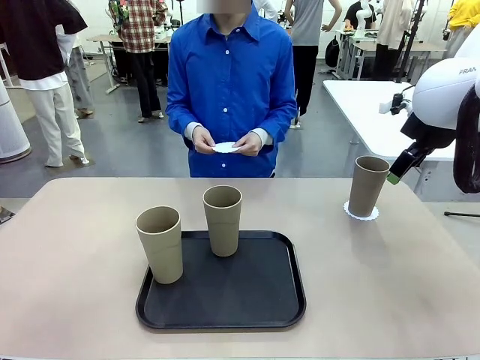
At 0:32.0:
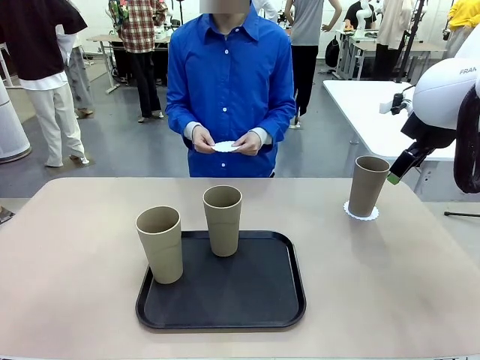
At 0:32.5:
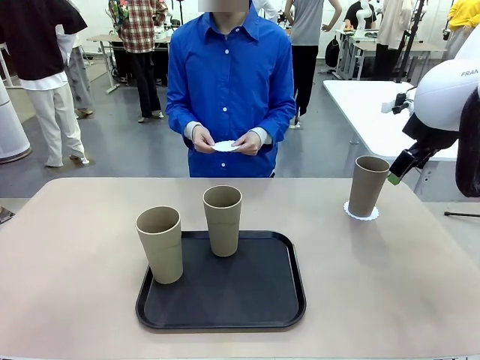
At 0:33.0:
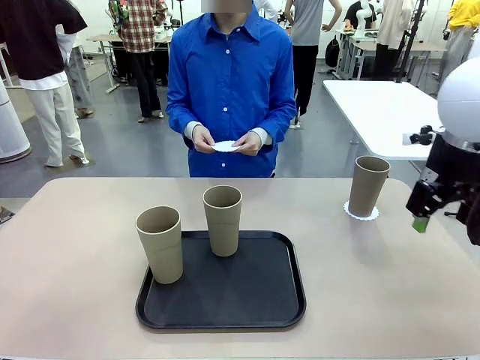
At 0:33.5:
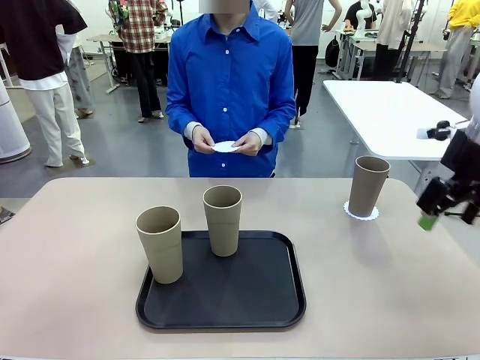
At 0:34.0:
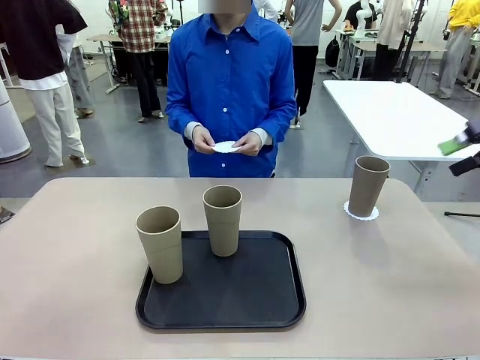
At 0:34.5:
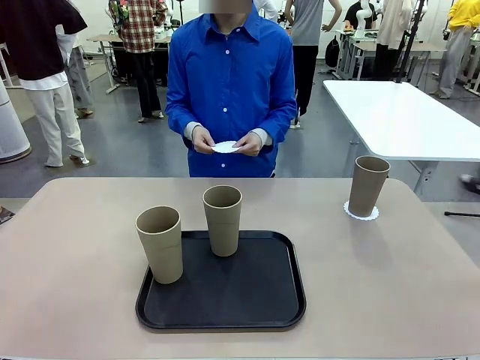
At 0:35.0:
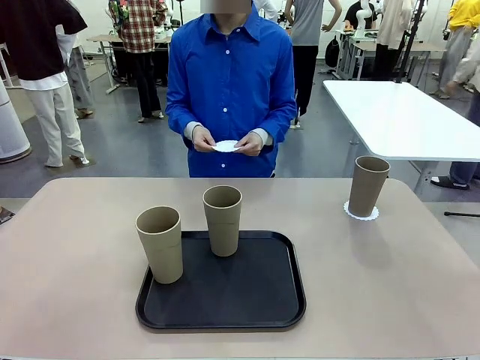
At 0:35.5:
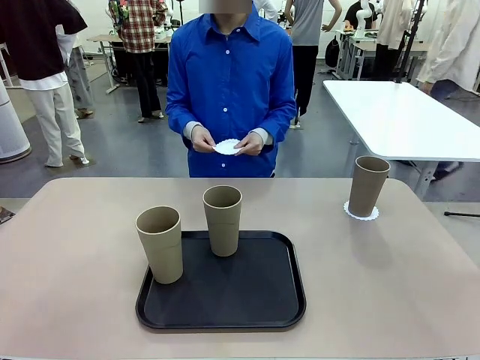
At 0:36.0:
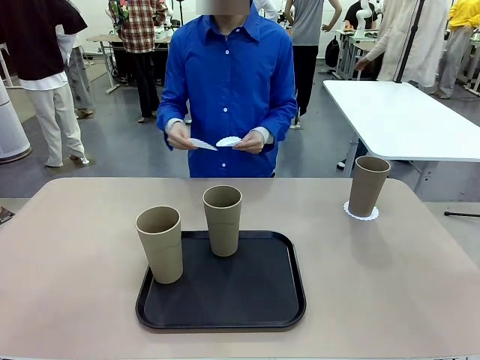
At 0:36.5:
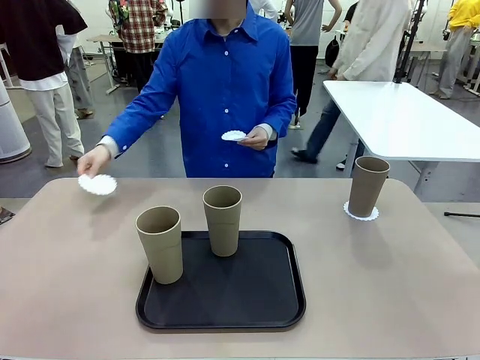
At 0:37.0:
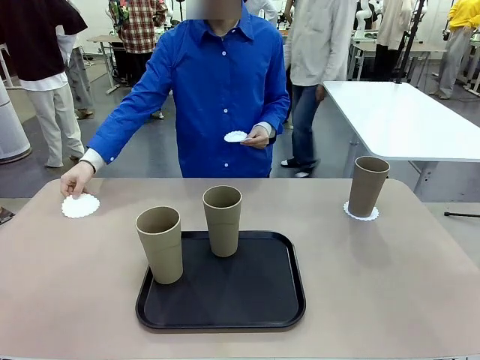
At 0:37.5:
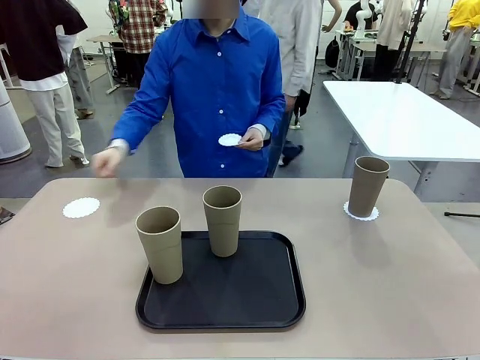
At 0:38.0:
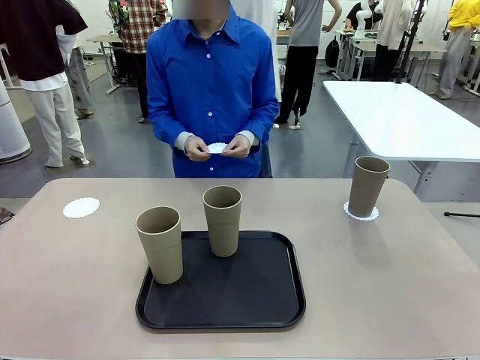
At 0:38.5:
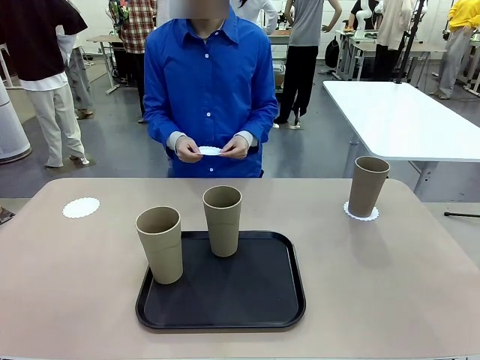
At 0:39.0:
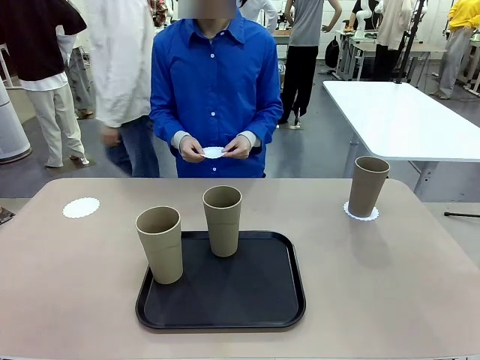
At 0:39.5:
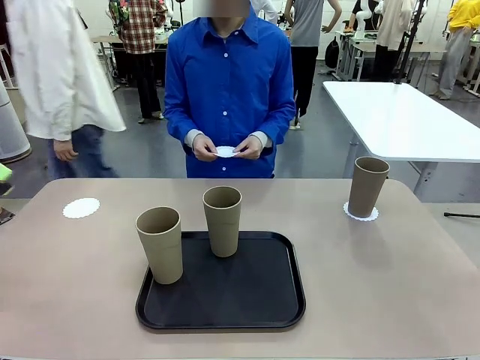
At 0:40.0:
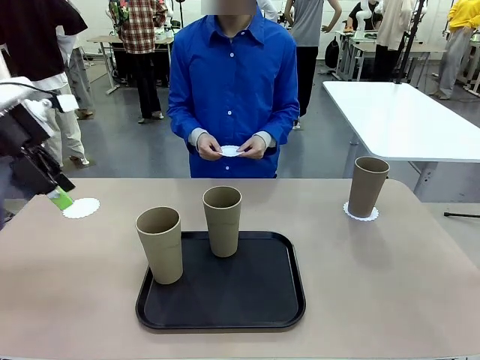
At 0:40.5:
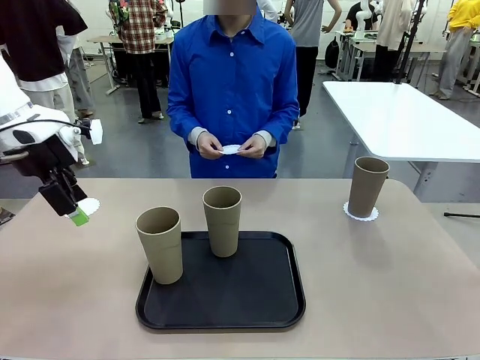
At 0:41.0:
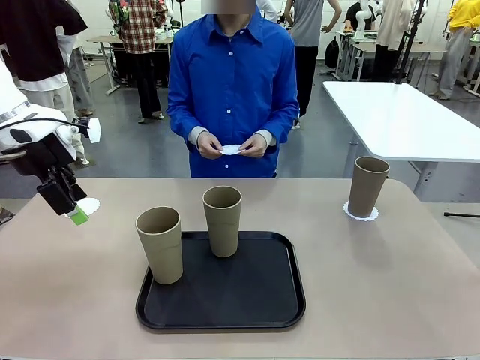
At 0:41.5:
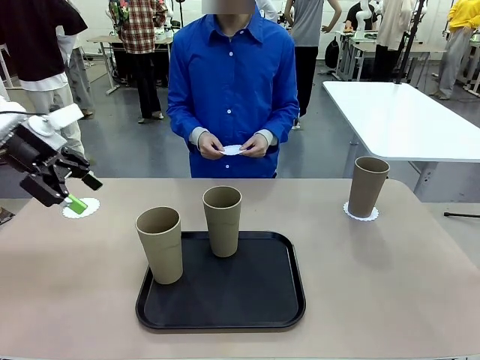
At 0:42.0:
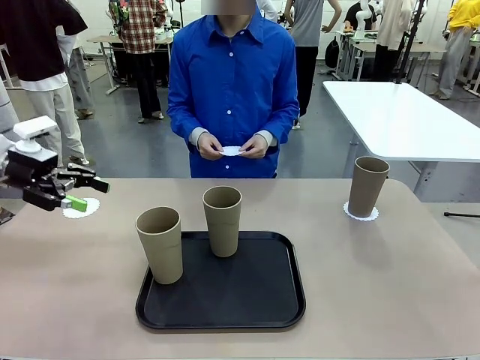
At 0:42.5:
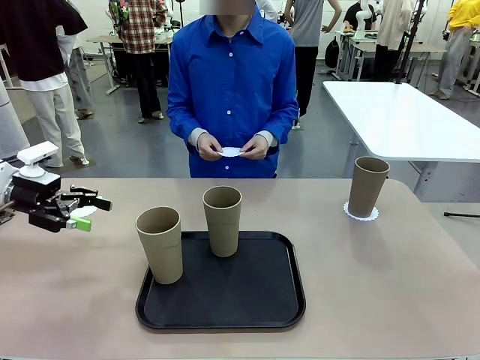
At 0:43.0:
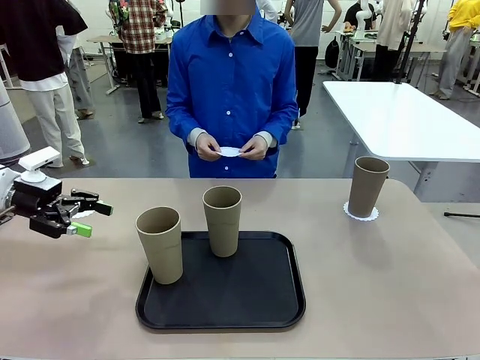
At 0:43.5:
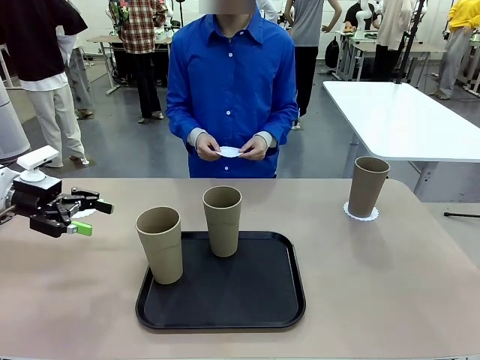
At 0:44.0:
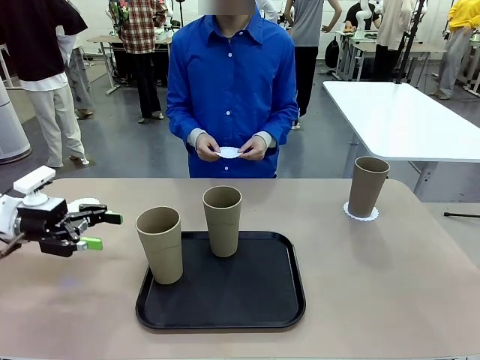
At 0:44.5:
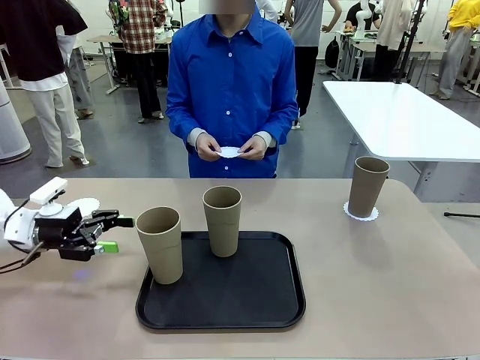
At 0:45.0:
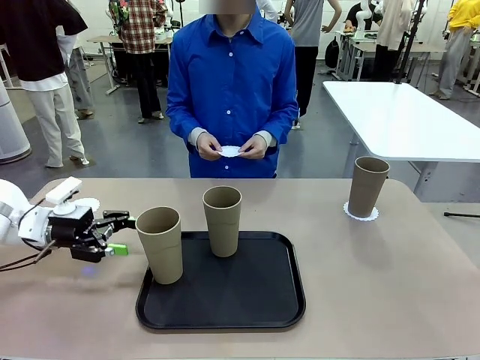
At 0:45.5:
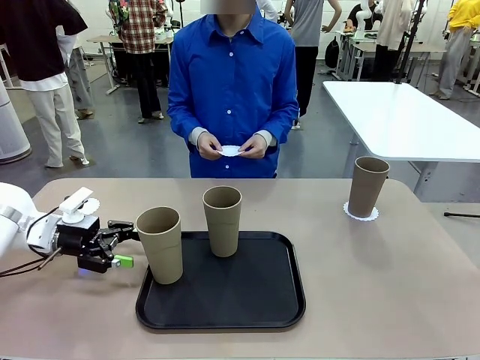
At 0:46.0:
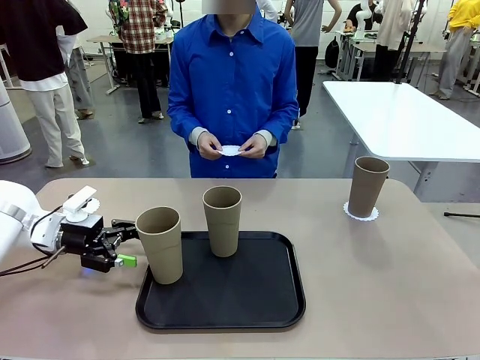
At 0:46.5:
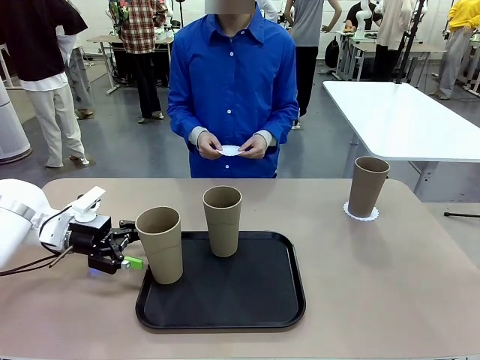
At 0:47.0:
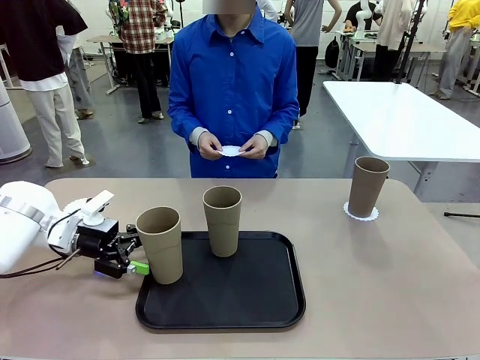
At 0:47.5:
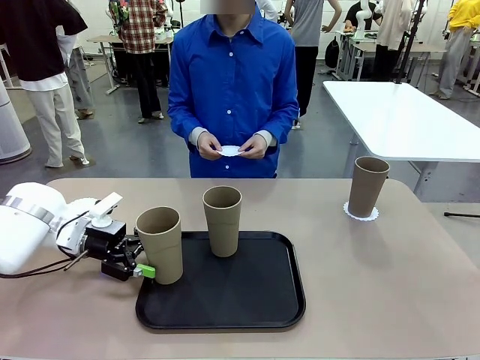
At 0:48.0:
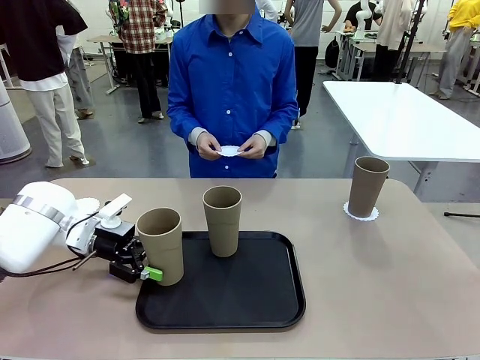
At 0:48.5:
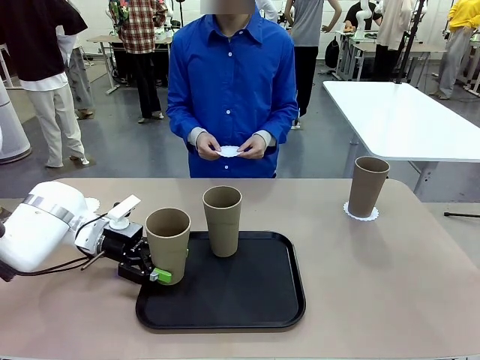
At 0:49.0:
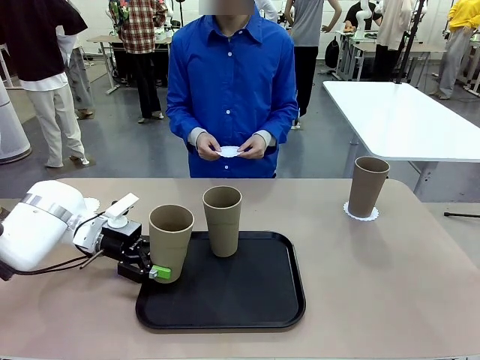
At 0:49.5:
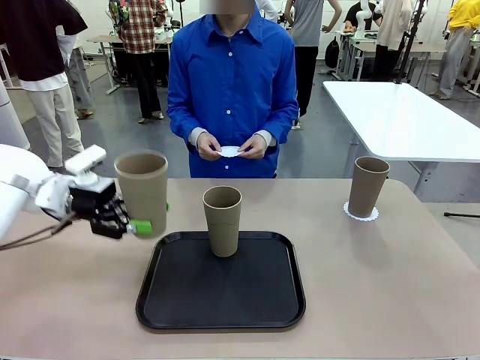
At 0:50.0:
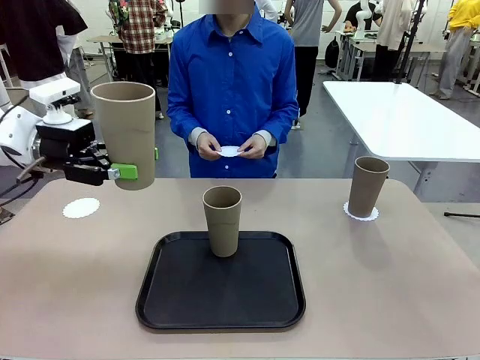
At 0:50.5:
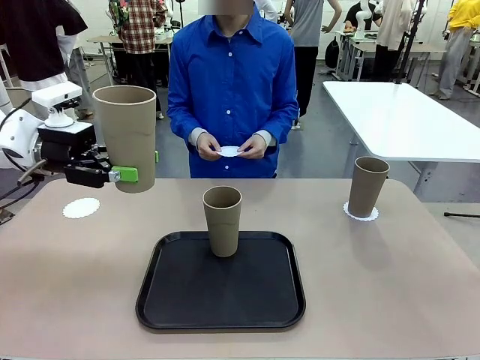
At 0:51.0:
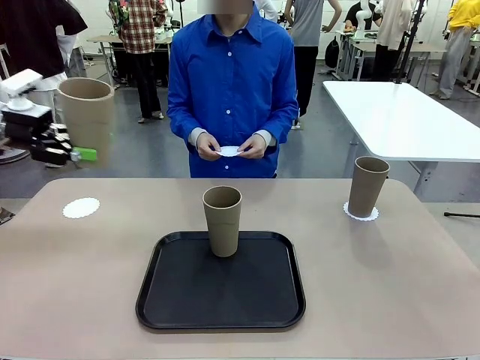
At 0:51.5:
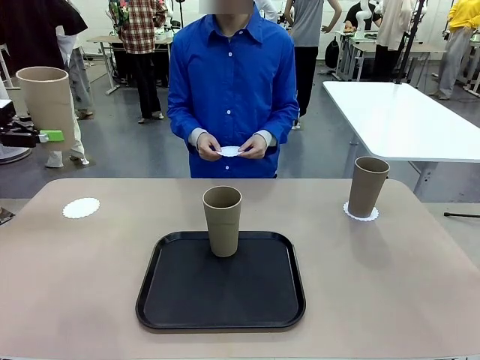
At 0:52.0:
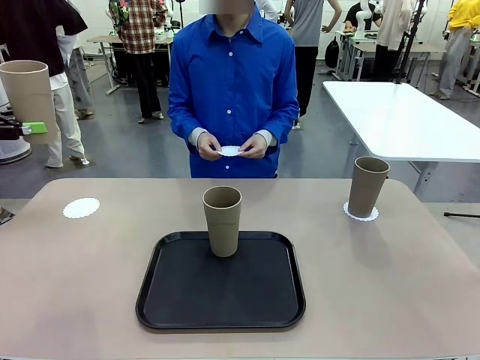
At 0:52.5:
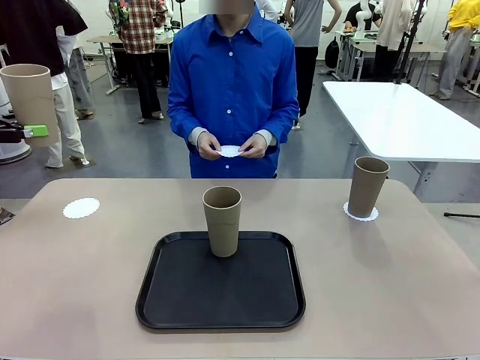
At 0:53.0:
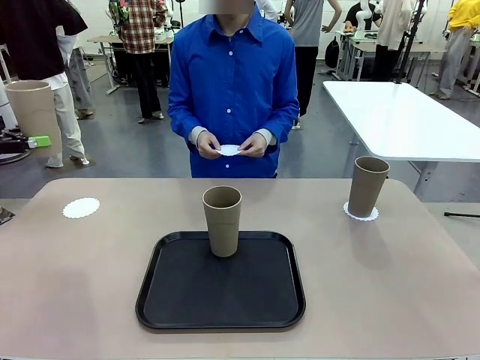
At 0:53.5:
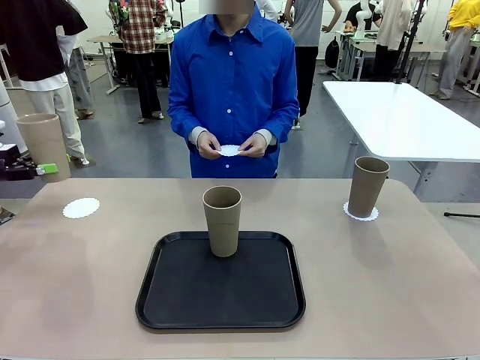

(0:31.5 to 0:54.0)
Task: Place coasters on the table and set cups on them.
Robot: Take one Reusable plastic cup from the Flat Tray and place it on a coaster set by the human.

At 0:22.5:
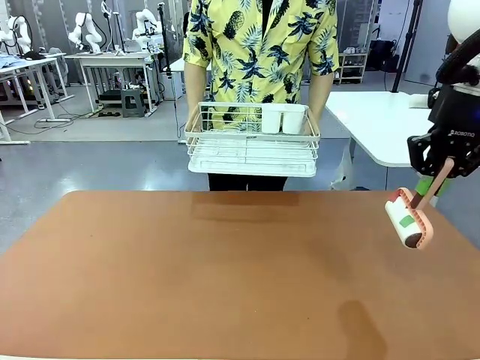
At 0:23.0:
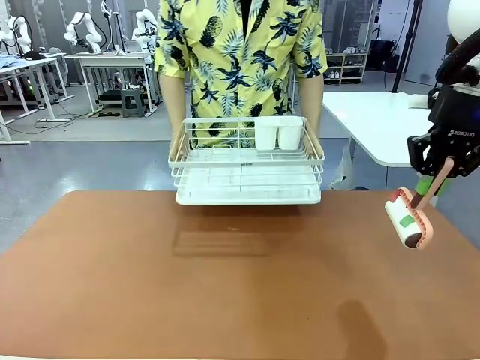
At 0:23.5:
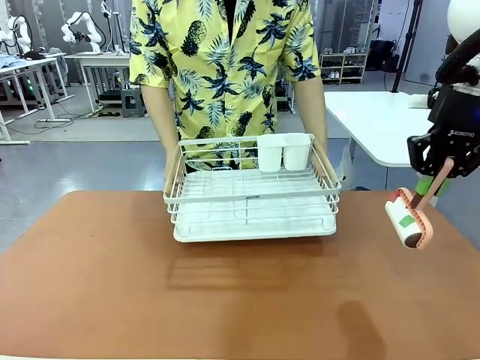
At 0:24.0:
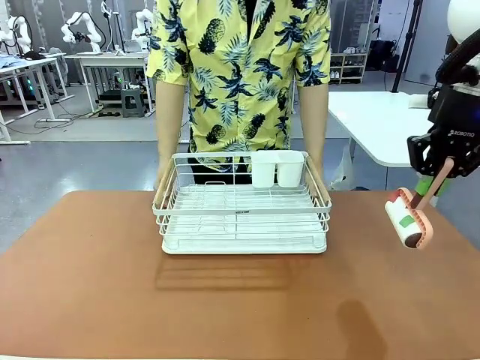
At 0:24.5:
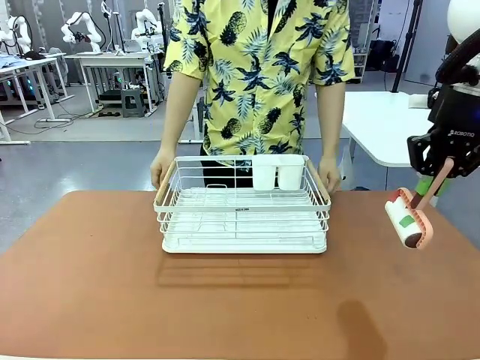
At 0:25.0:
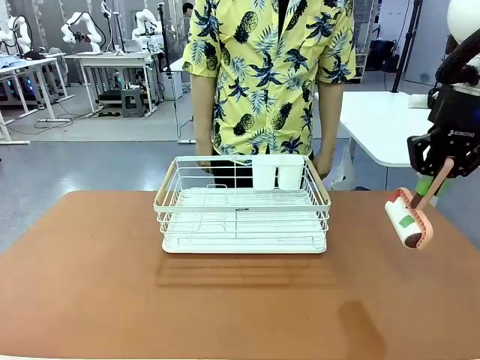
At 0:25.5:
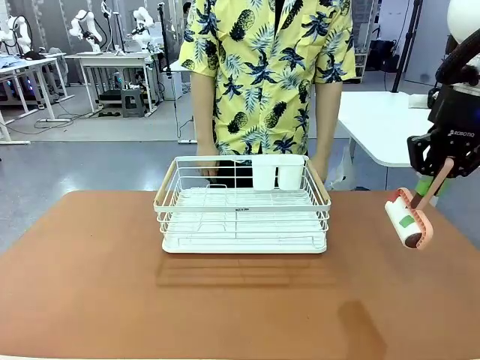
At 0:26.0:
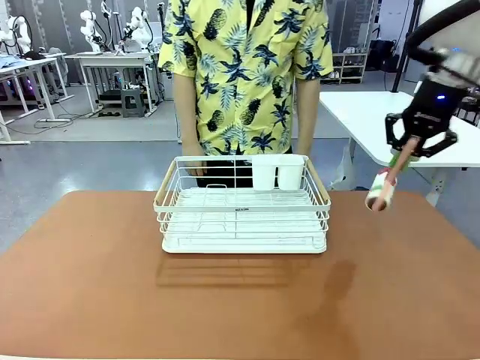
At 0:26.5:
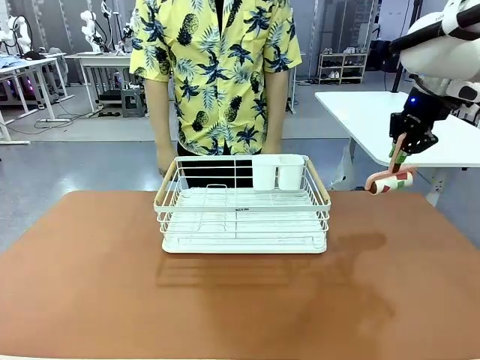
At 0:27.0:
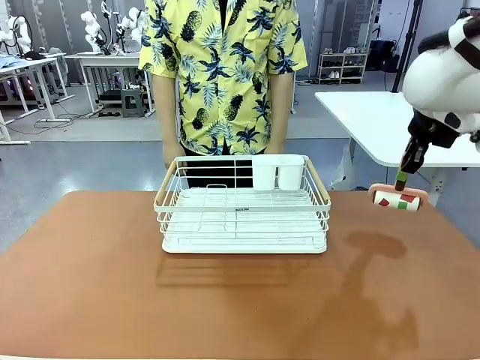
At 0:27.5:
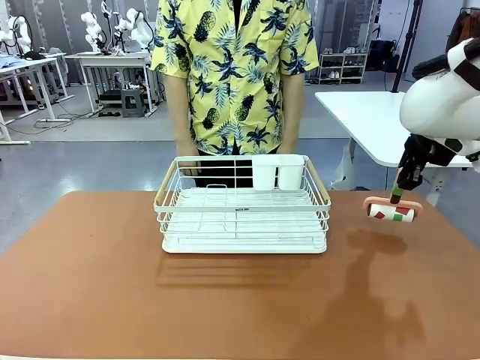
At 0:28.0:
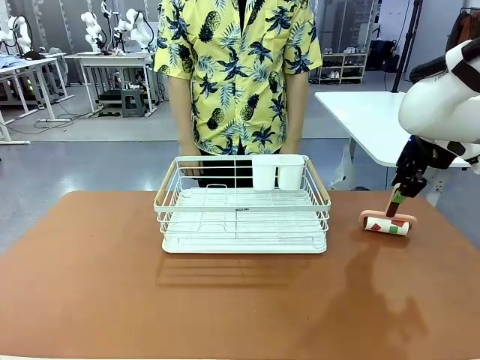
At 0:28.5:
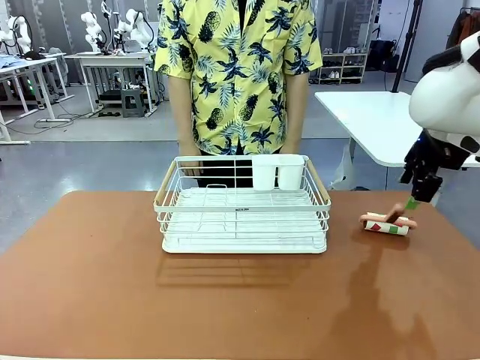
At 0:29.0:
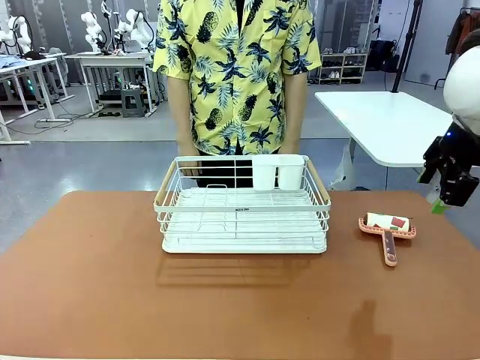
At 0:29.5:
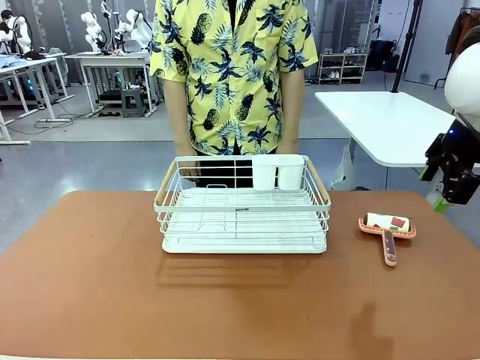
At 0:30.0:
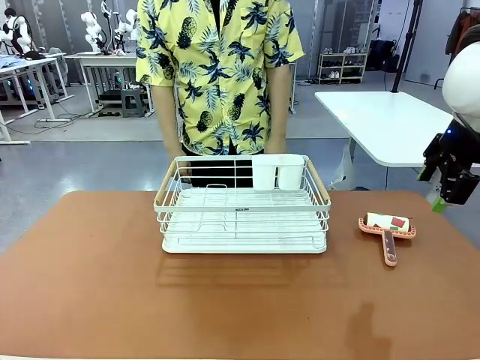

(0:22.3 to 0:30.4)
Task: Clean the table.
Robot: Place the Lint Roller down when the Dish drying rack is positioned in the middle of the table.
Person: Place the Dish drying rack down when the robot finishes cleaning.
